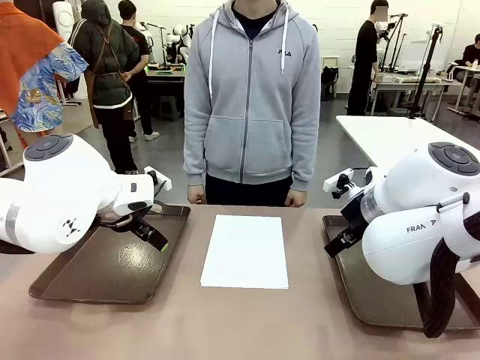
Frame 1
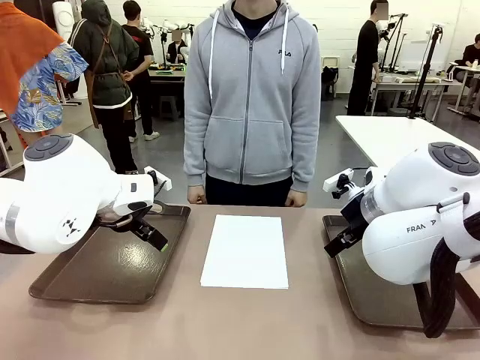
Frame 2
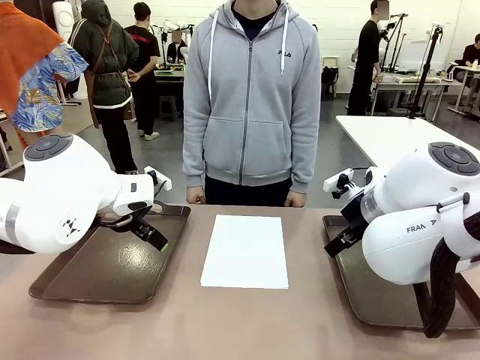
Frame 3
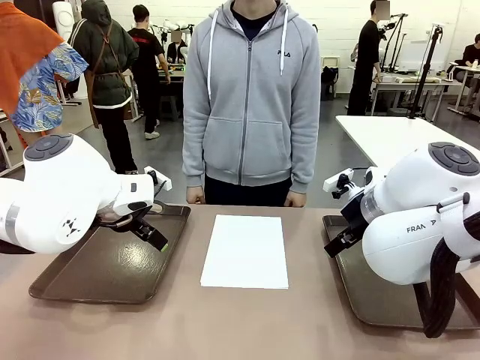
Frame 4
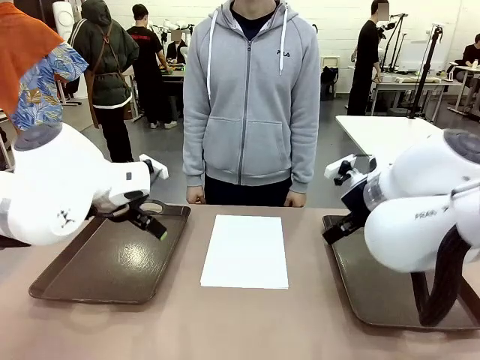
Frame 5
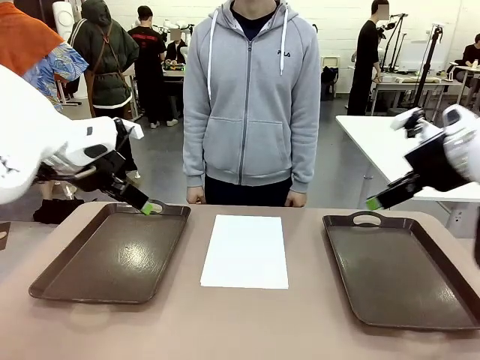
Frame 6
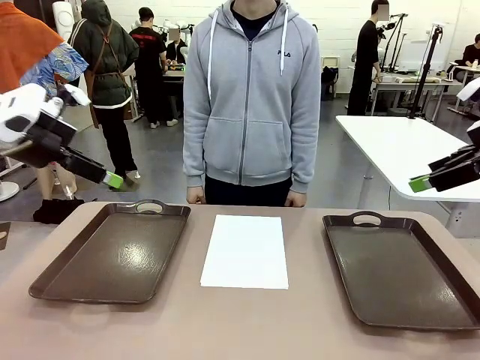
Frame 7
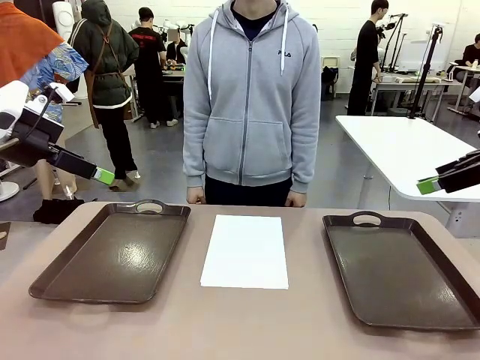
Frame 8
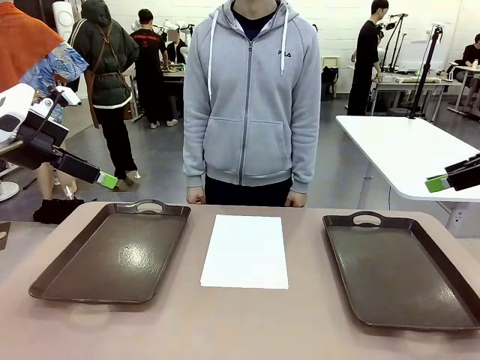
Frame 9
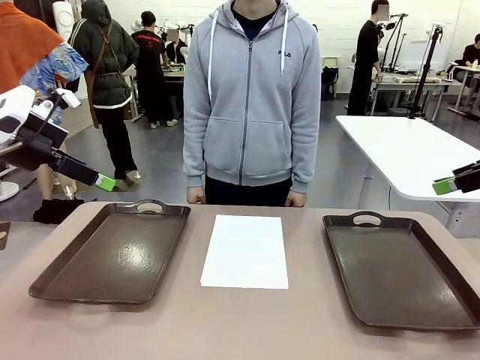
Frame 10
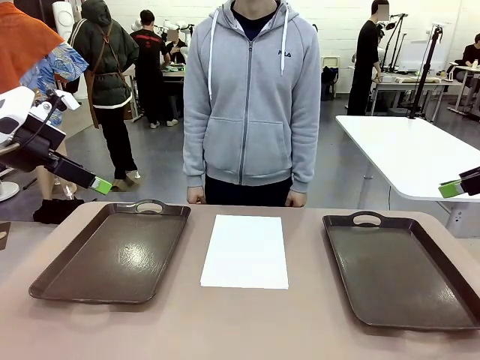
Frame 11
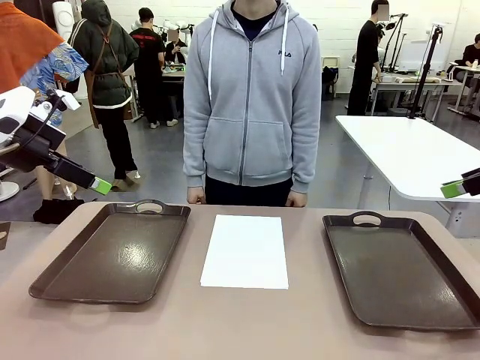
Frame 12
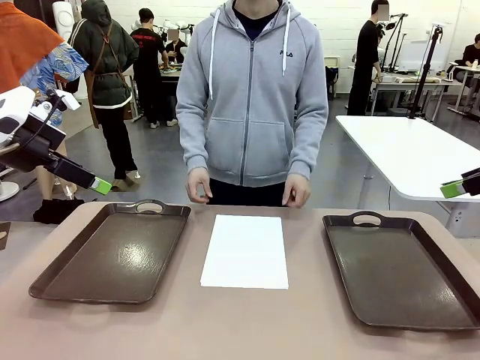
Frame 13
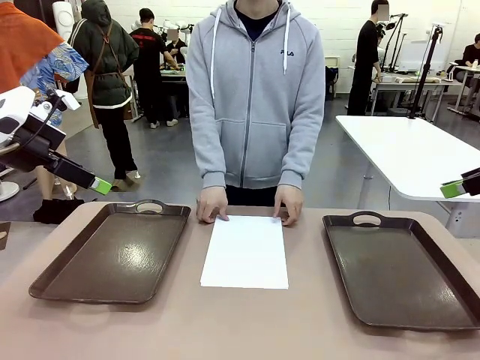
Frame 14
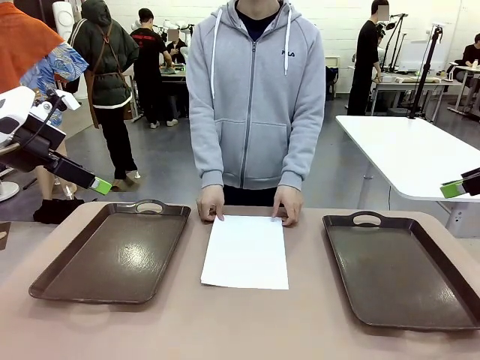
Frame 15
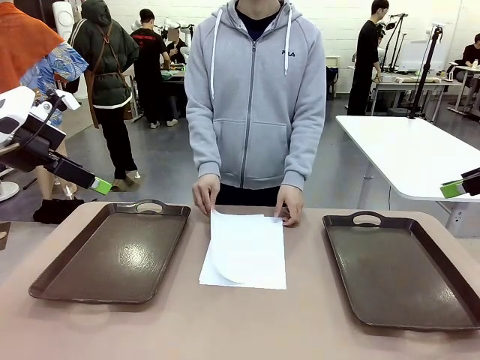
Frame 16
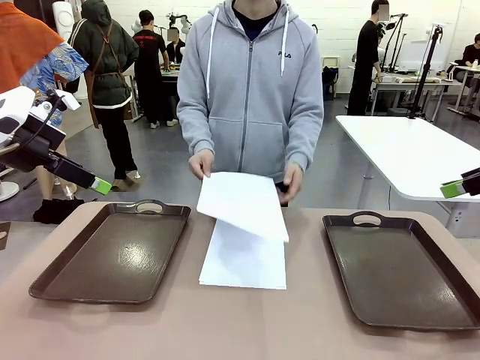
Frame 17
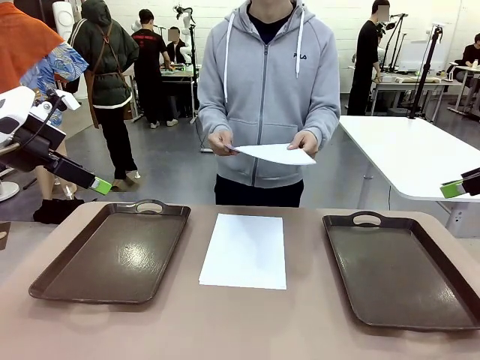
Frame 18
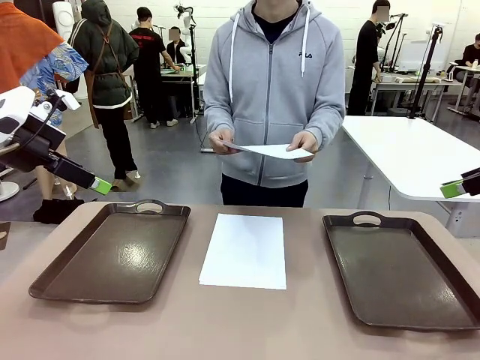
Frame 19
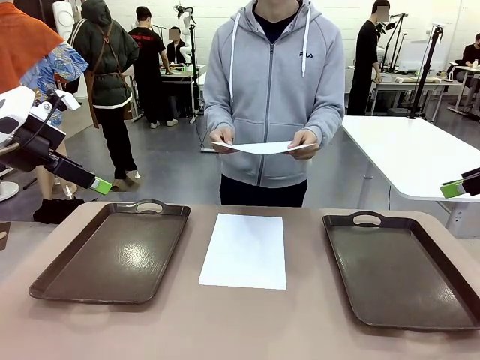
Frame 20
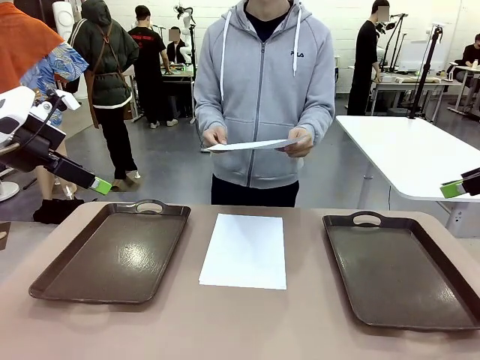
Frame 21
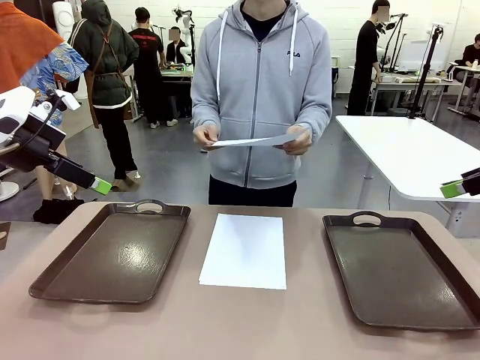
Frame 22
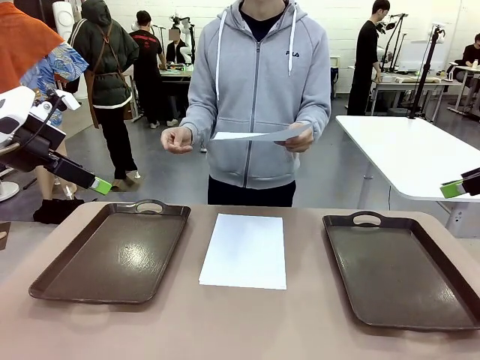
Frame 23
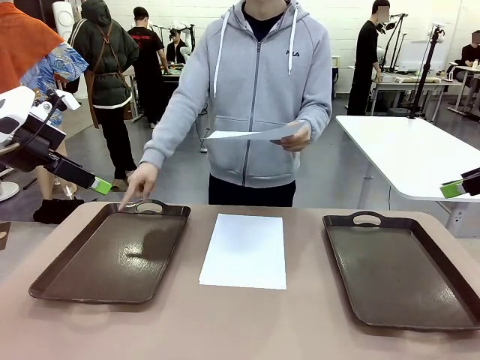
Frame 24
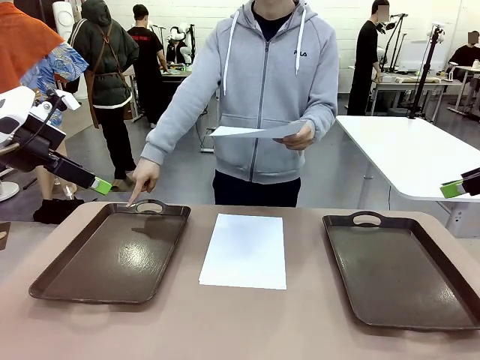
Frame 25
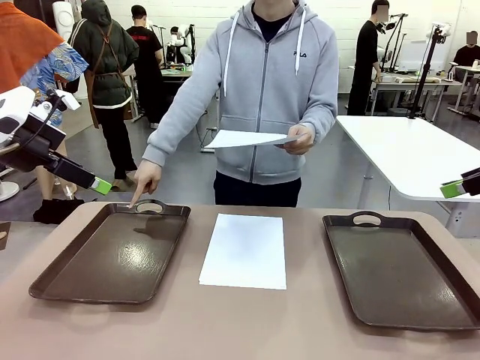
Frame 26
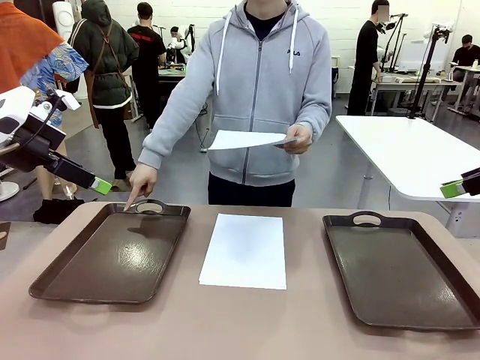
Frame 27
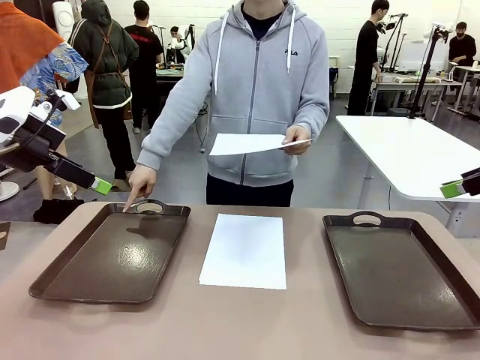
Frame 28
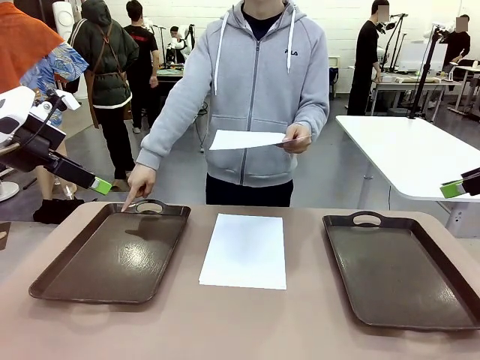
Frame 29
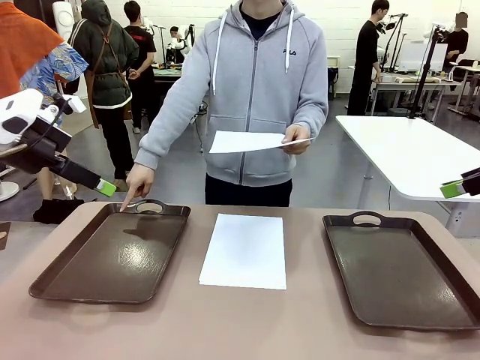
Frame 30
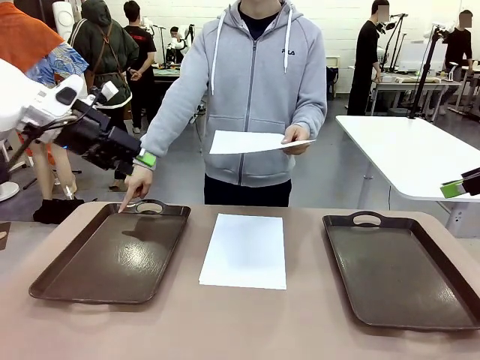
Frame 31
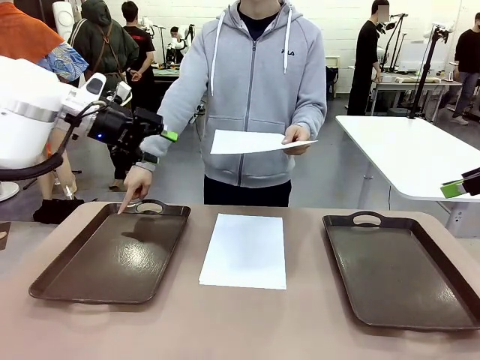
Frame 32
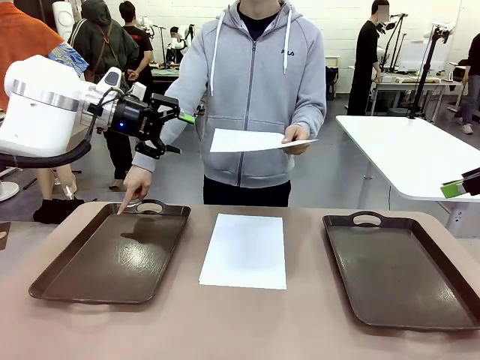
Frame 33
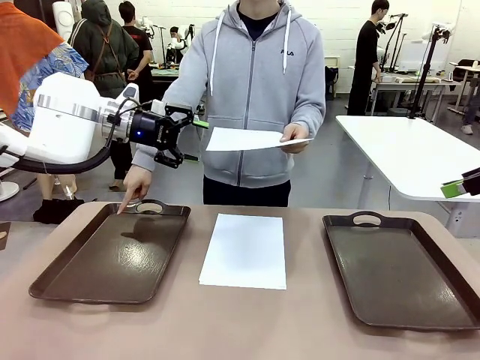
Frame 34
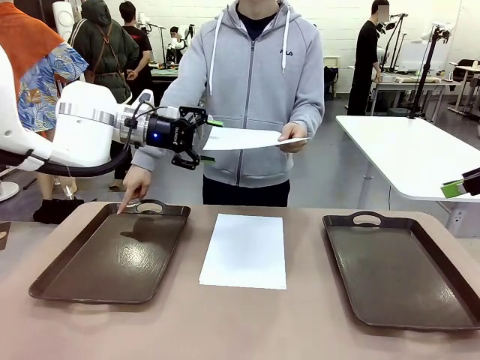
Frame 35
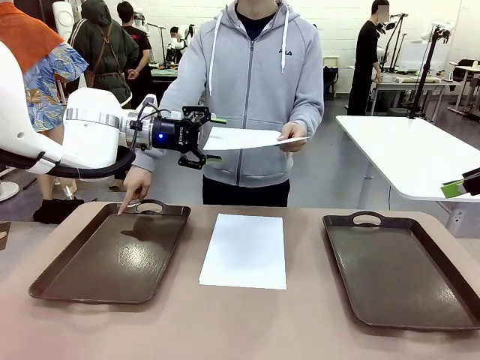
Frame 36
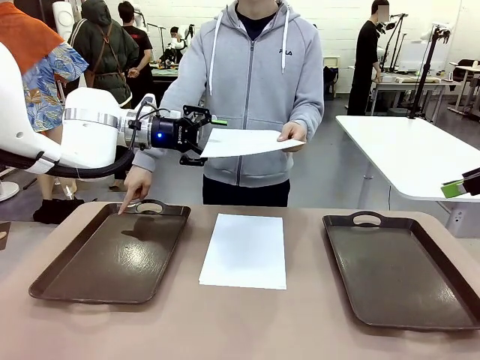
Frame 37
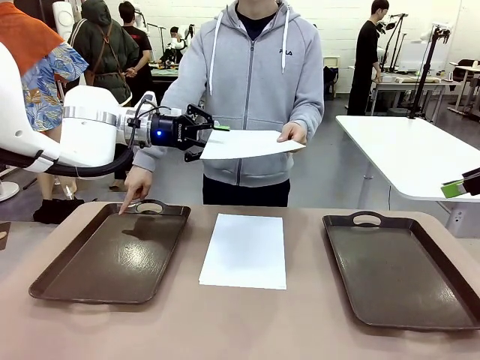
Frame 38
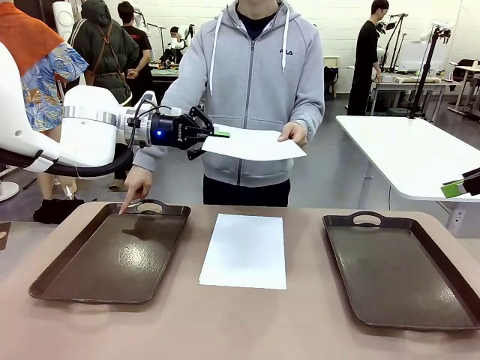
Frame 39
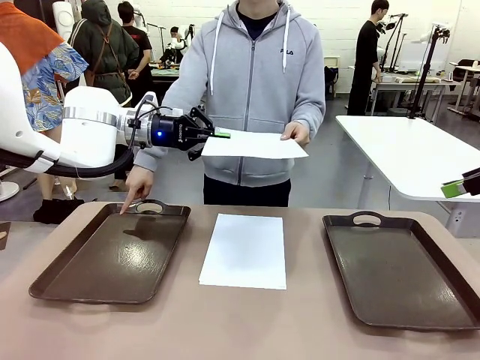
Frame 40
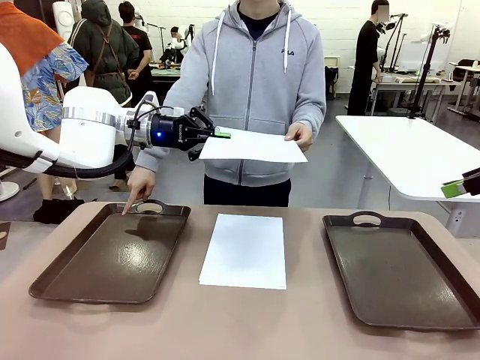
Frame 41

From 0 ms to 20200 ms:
Task: Sort the A4 documents.
Robot: Receive the A4 Paper.
Person: Pick up a sheet of paper from the center of the table and hand it to the robot. Point the randomly selected tray with the other hand.

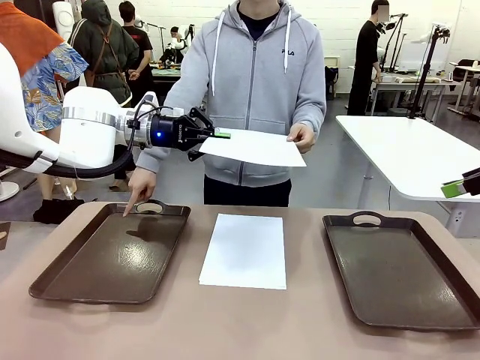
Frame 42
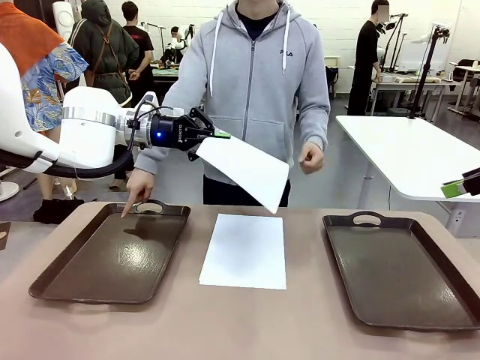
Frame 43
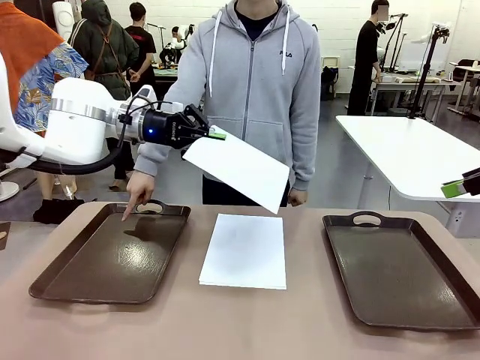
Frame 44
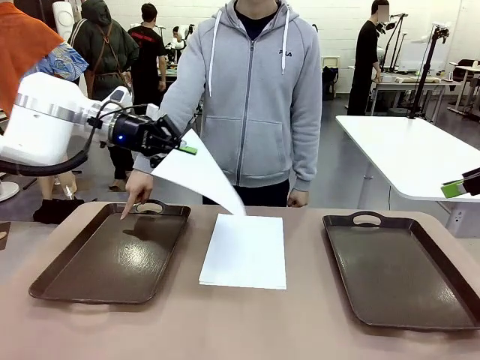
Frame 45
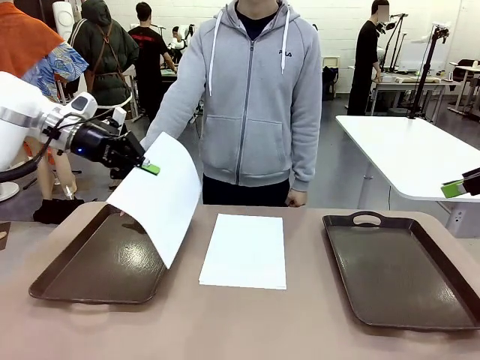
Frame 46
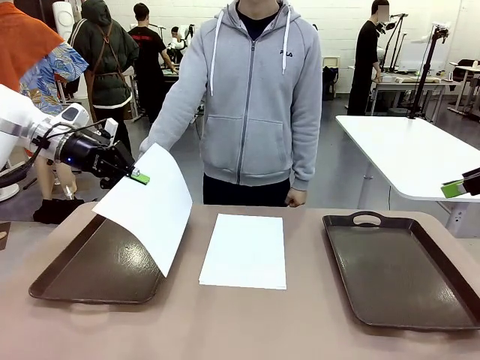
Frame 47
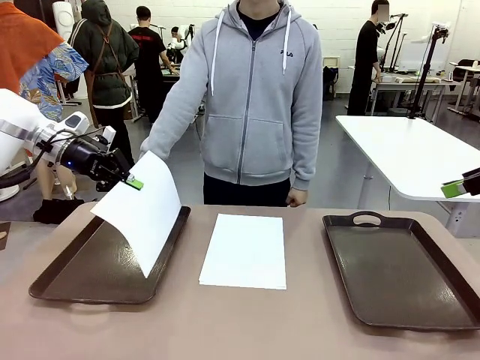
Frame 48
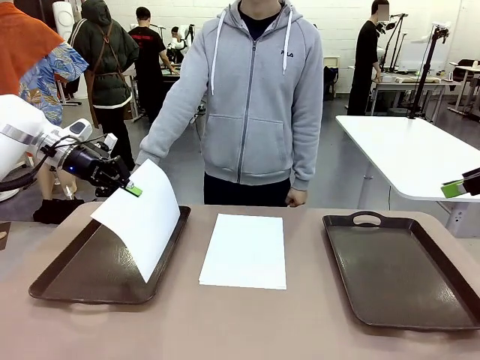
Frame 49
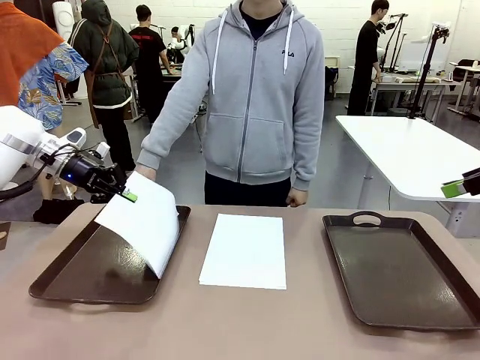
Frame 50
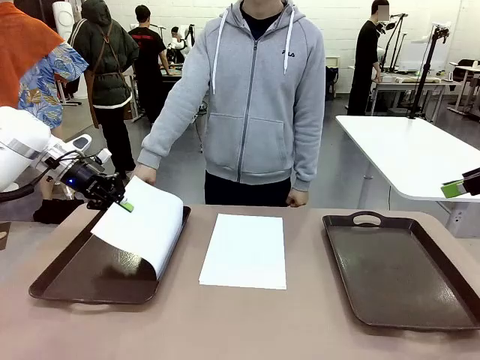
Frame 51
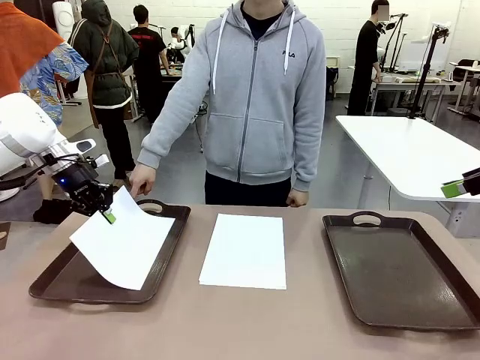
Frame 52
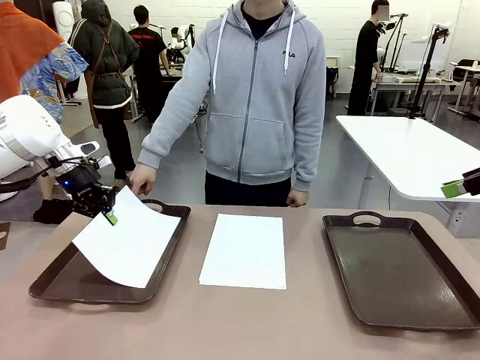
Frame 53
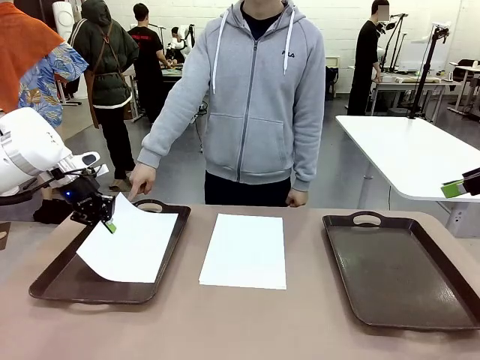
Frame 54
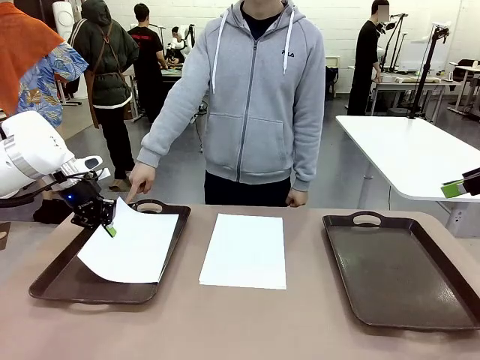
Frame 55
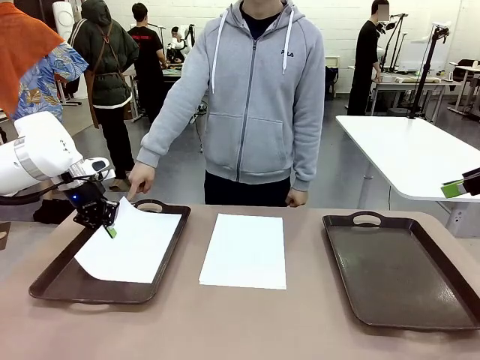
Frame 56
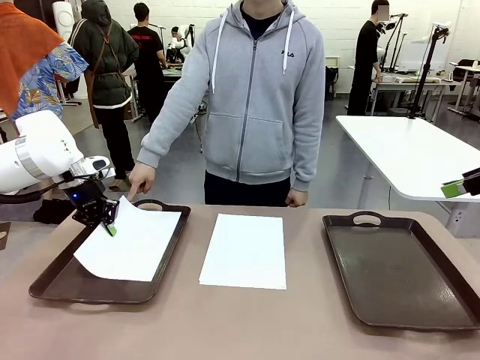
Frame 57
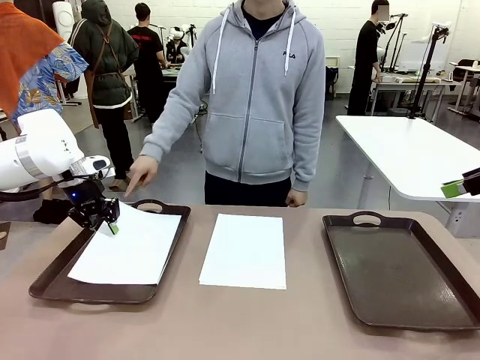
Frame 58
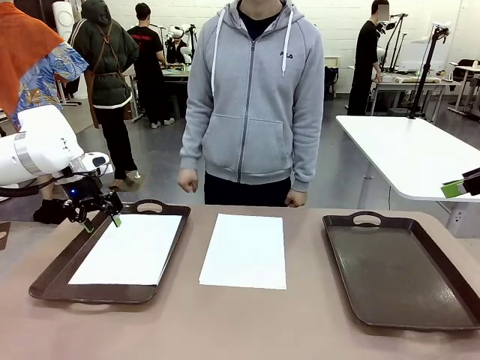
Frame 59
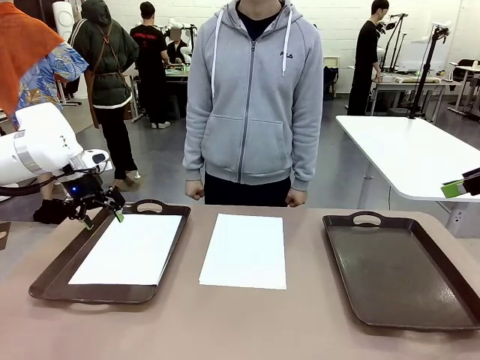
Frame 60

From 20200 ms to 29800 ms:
Robot: Place the A4 Paper in the designated Handle tray.
